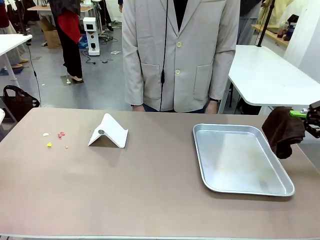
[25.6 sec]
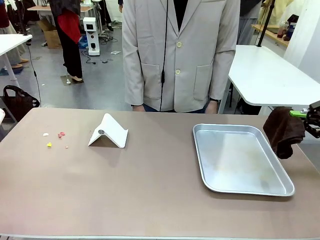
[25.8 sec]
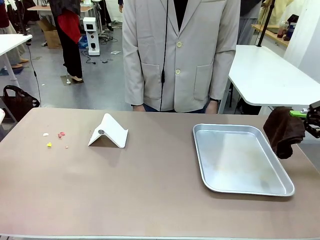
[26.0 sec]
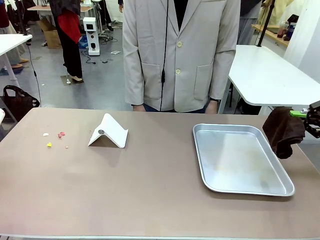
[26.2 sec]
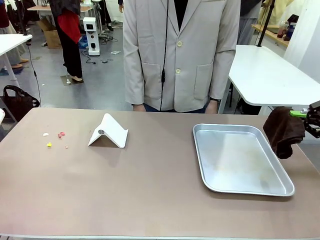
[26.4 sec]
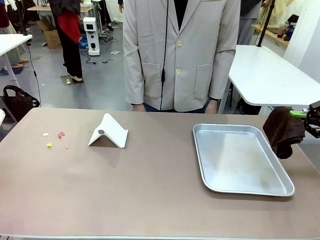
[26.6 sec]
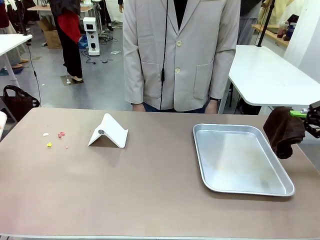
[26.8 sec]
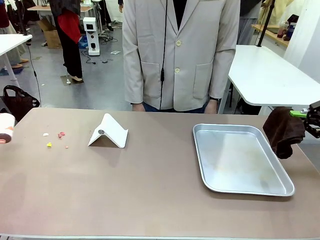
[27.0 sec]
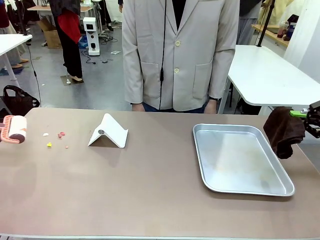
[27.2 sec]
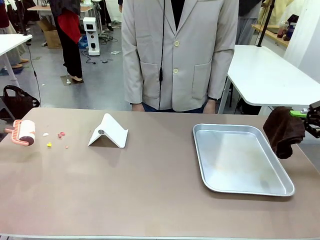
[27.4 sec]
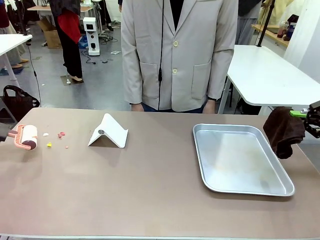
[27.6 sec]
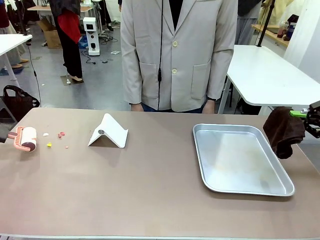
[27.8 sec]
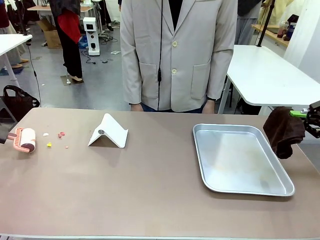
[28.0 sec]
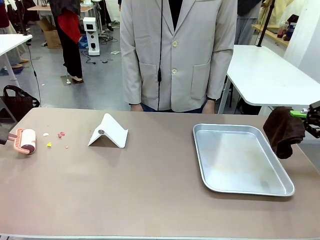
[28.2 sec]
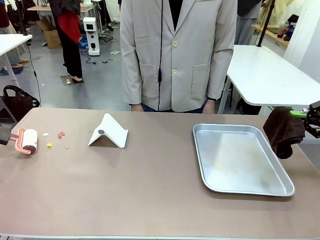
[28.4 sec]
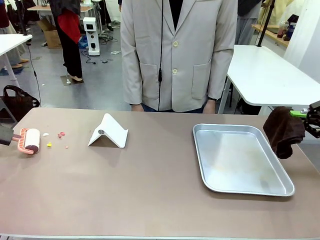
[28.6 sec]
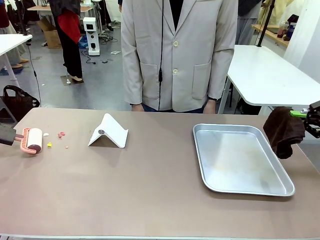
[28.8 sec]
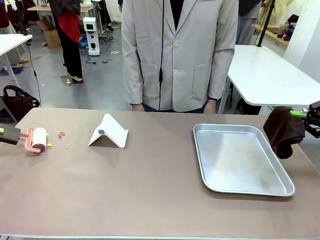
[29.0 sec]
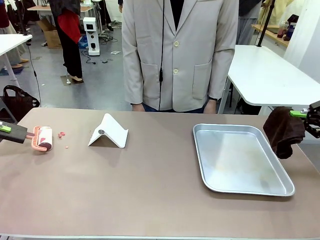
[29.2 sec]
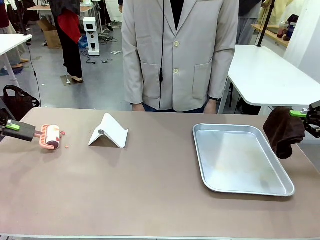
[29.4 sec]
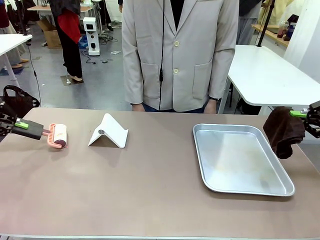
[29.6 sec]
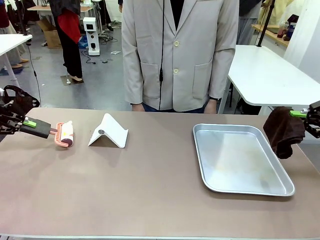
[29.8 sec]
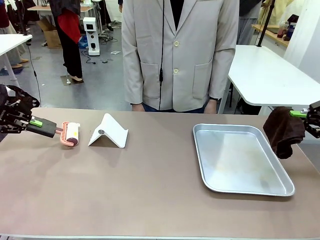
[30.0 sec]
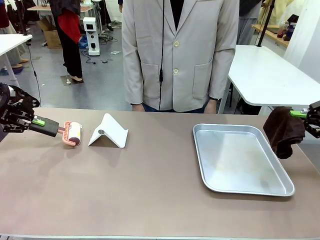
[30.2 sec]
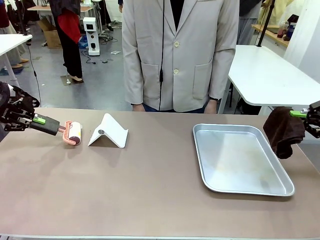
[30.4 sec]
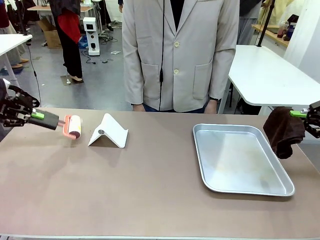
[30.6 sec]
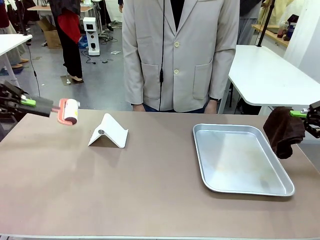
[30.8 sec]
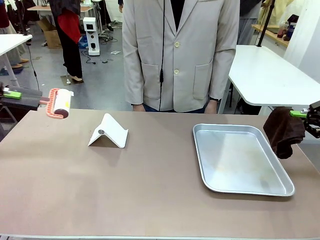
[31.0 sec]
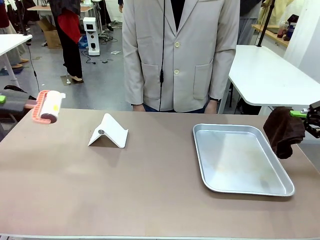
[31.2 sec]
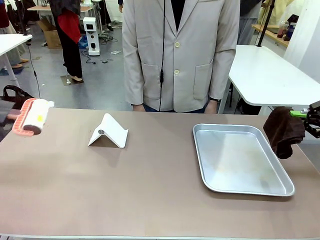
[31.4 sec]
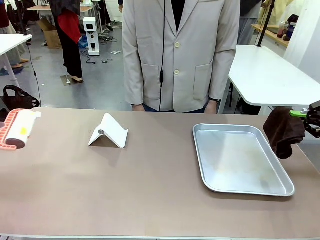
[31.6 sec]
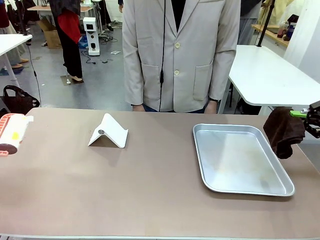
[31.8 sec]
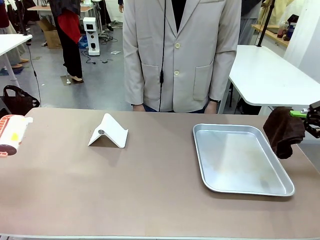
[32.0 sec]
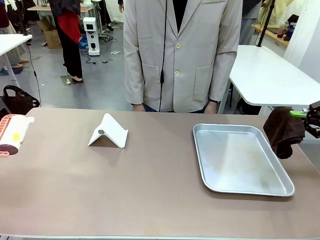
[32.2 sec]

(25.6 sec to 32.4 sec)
Task: Clean the surface of the table.
Robot: Clean the area not pointed to by the person.

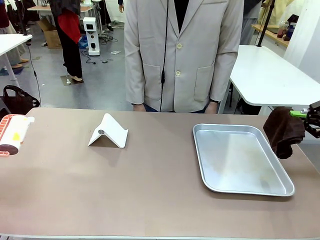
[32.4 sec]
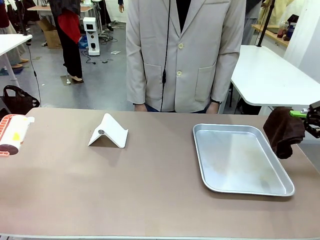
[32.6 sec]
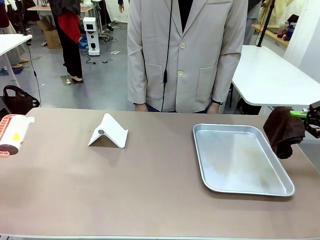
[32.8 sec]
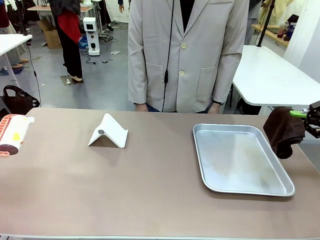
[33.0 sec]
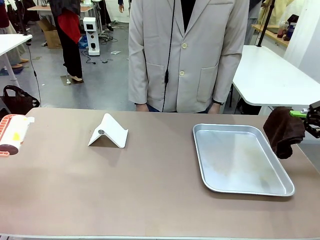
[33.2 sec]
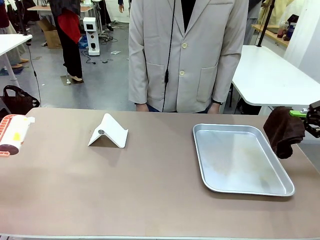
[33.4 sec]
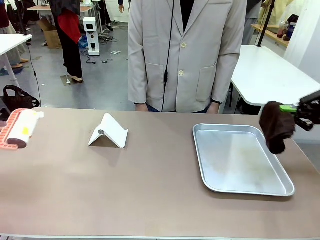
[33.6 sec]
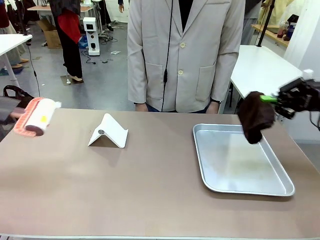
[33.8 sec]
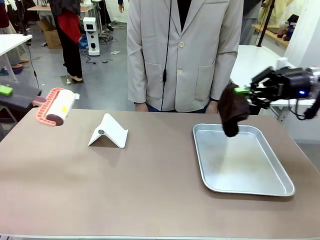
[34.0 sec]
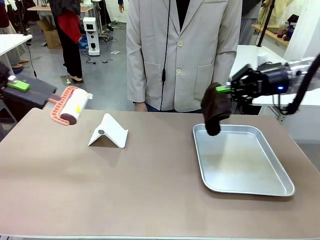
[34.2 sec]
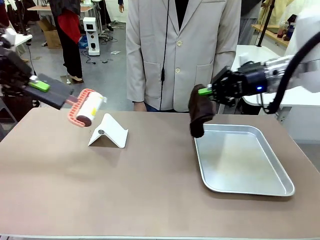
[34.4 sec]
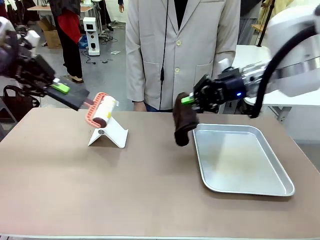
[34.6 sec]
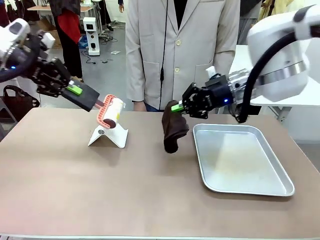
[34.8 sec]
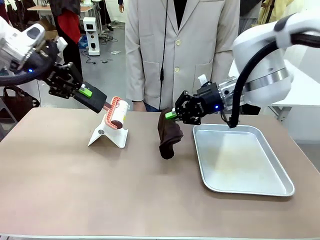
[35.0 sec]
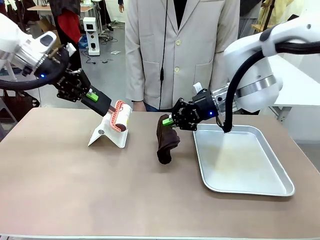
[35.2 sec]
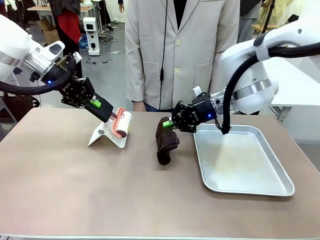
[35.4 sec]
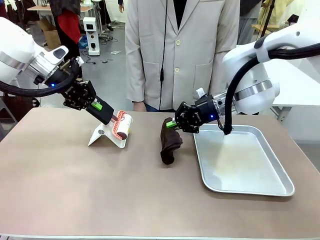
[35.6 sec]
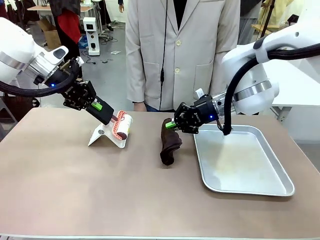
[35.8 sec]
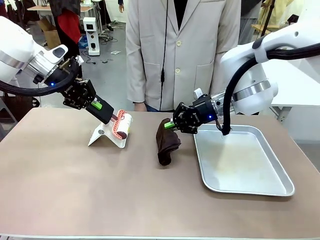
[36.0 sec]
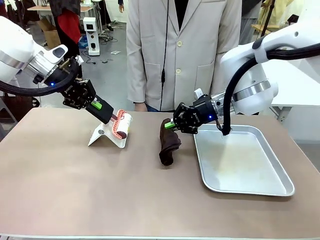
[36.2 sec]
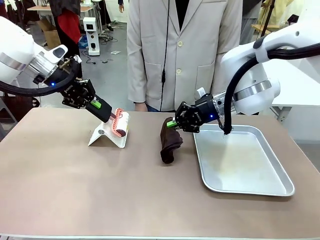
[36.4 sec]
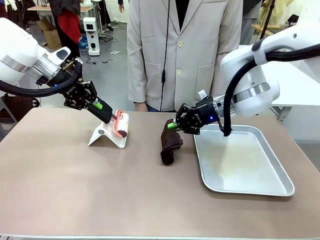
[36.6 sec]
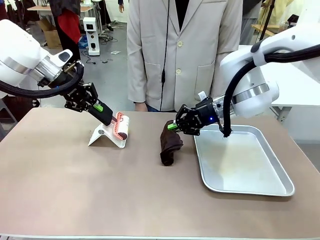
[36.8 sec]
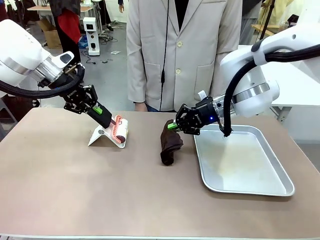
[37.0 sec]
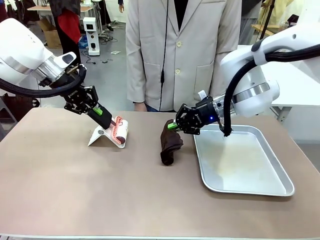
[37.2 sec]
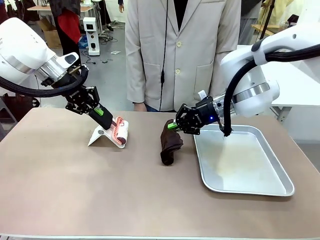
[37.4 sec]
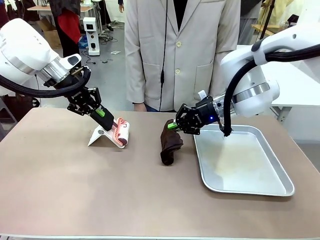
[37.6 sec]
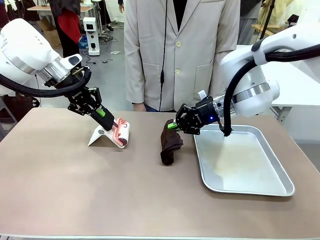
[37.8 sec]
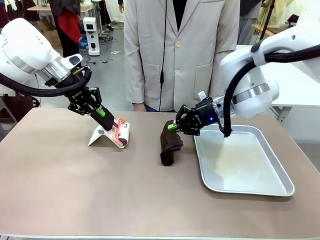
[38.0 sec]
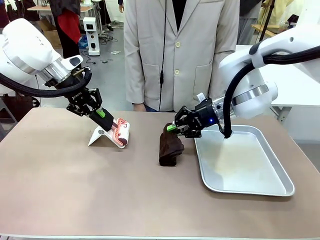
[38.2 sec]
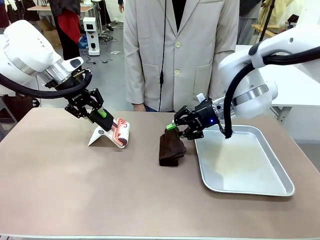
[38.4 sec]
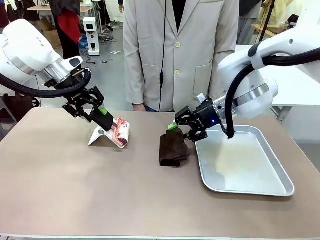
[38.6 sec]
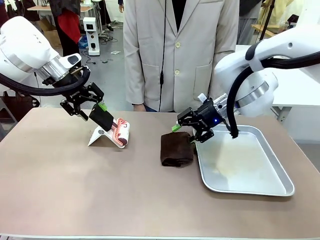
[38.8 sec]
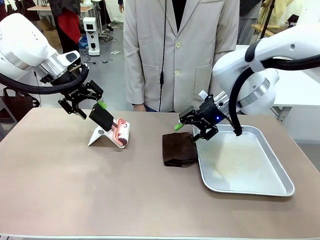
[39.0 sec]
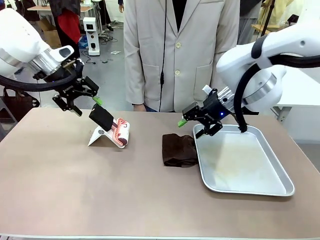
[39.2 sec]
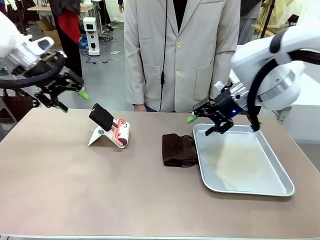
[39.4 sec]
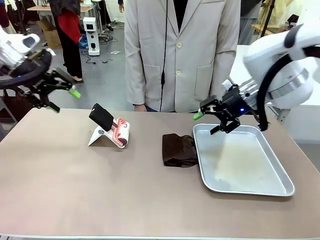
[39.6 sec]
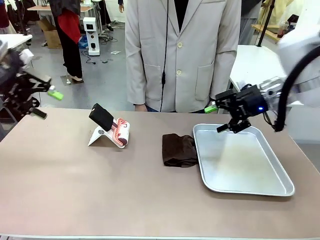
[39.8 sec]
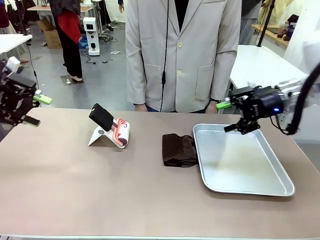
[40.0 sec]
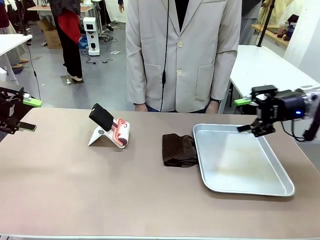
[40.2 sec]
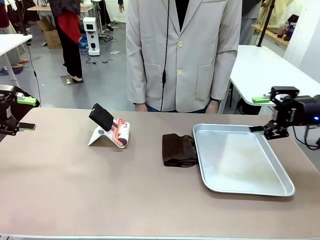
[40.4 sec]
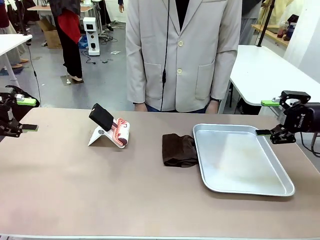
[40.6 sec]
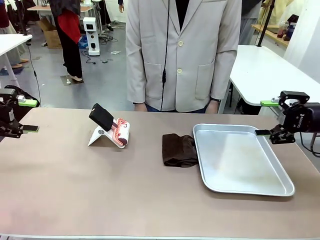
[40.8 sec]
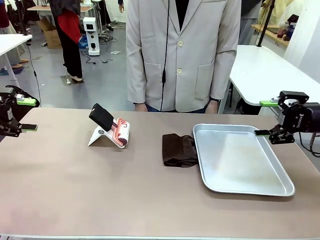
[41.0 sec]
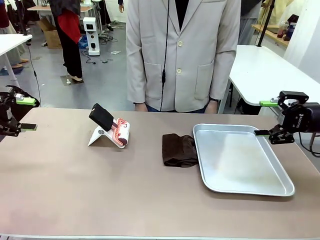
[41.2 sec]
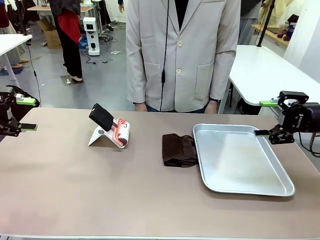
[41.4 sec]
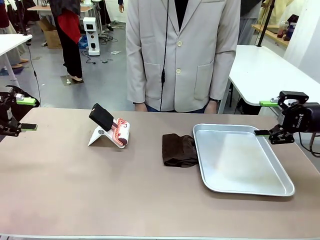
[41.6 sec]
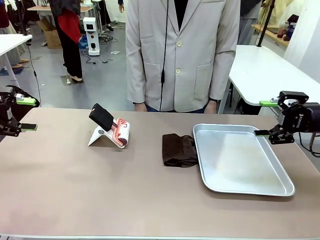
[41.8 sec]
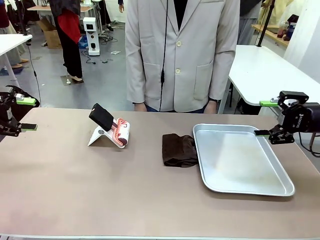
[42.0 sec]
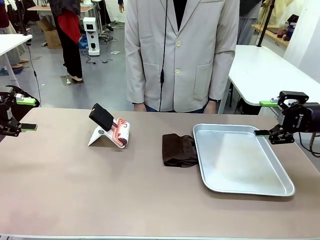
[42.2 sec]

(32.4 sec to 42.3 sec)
Robot: Return the Lint Roller and towel to their original positions.
